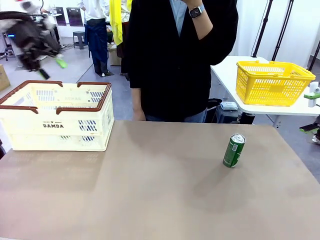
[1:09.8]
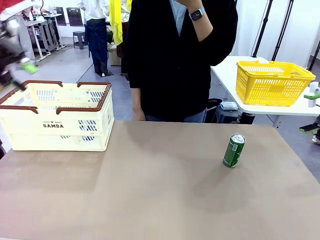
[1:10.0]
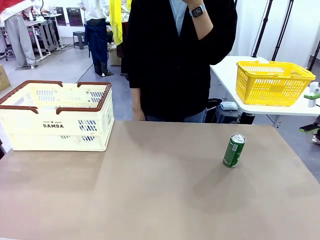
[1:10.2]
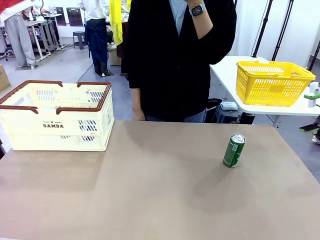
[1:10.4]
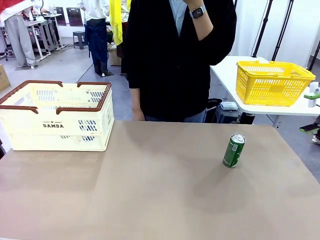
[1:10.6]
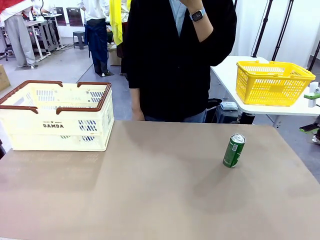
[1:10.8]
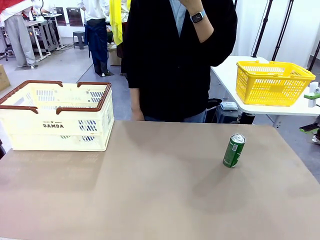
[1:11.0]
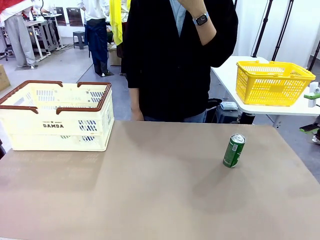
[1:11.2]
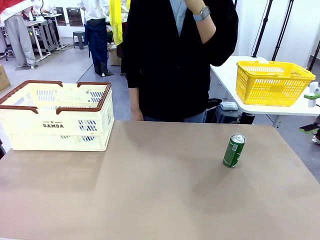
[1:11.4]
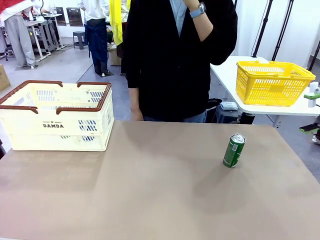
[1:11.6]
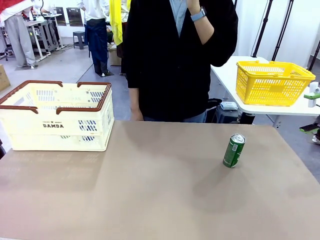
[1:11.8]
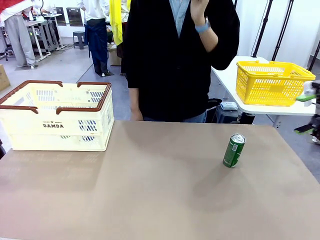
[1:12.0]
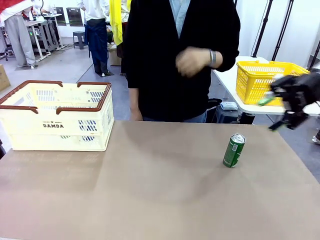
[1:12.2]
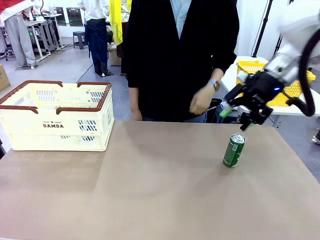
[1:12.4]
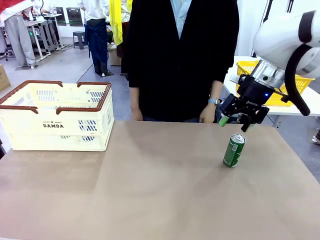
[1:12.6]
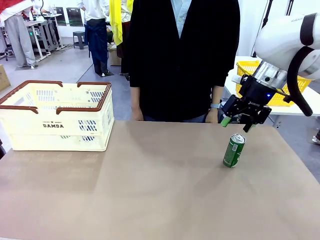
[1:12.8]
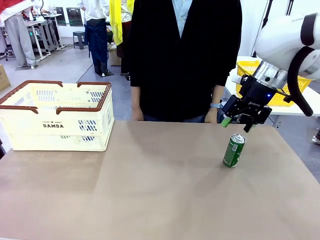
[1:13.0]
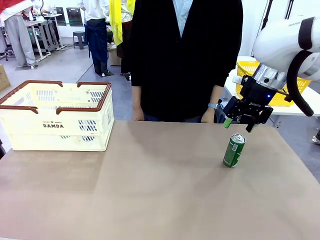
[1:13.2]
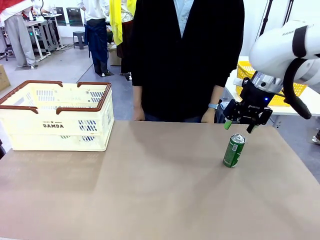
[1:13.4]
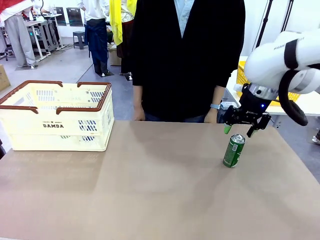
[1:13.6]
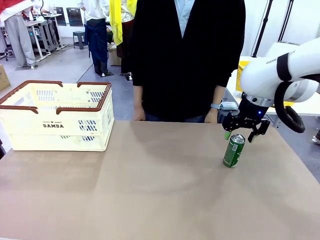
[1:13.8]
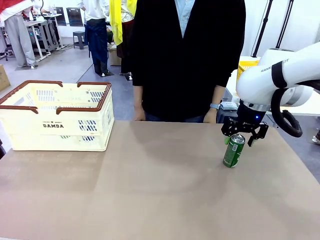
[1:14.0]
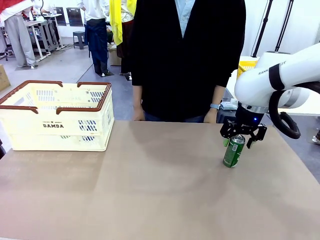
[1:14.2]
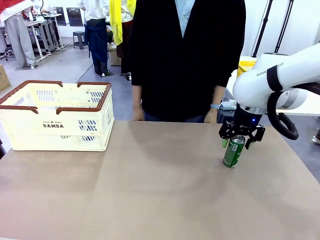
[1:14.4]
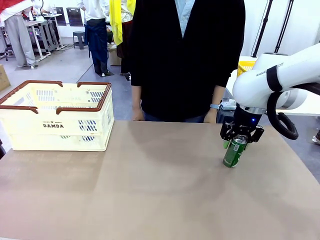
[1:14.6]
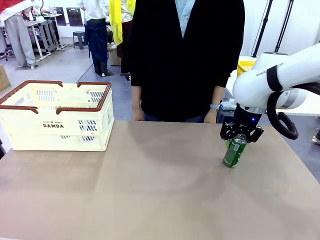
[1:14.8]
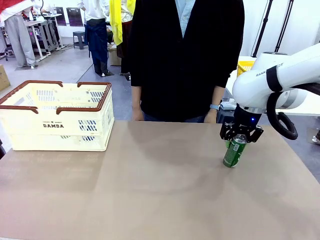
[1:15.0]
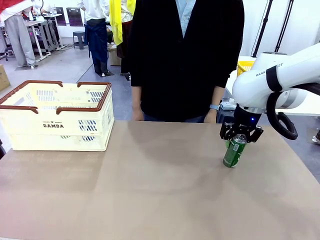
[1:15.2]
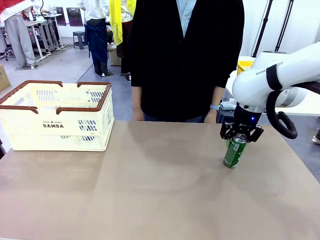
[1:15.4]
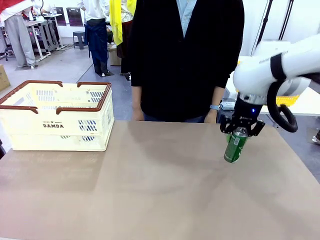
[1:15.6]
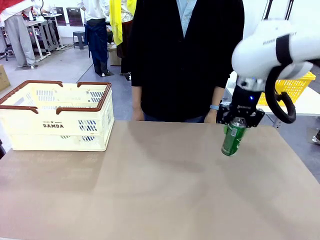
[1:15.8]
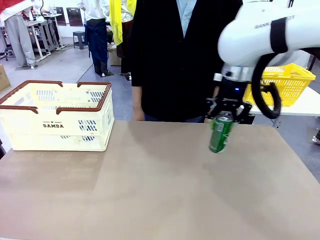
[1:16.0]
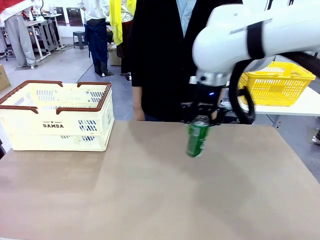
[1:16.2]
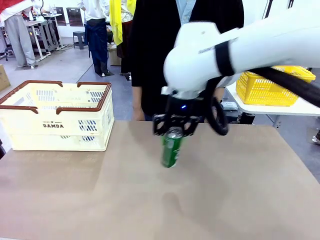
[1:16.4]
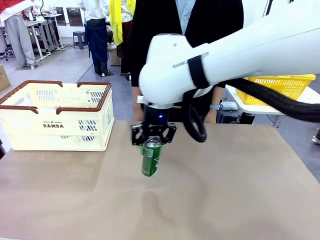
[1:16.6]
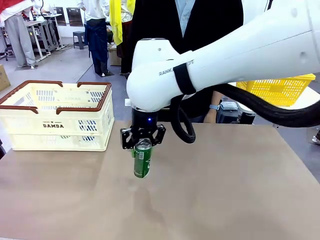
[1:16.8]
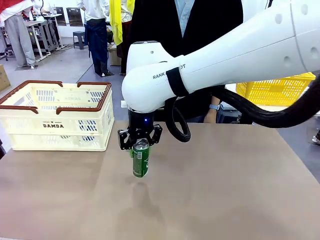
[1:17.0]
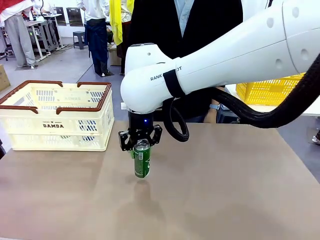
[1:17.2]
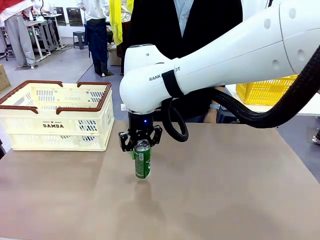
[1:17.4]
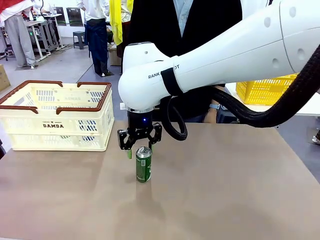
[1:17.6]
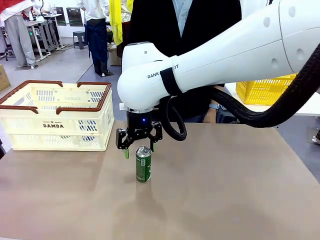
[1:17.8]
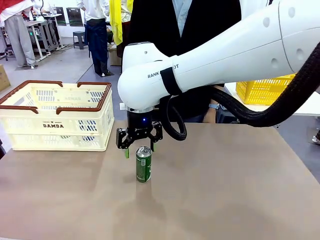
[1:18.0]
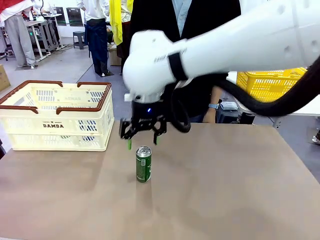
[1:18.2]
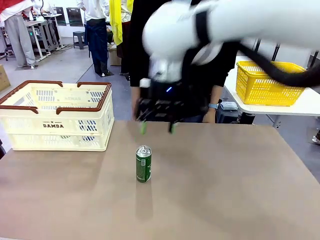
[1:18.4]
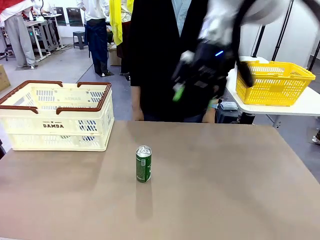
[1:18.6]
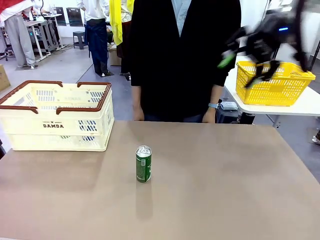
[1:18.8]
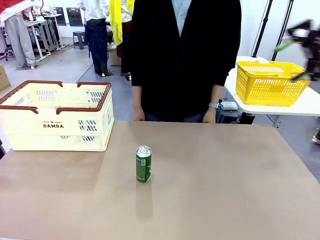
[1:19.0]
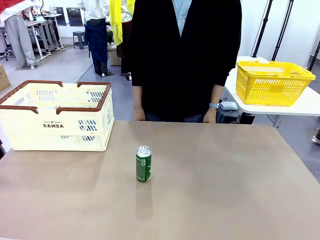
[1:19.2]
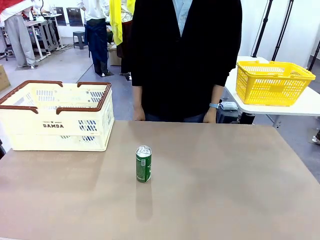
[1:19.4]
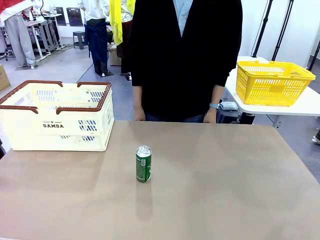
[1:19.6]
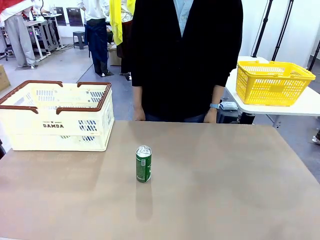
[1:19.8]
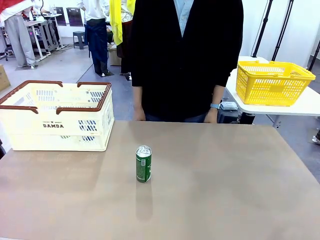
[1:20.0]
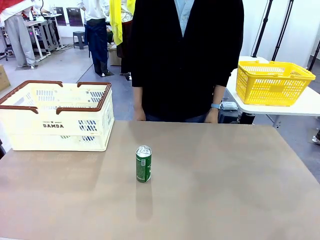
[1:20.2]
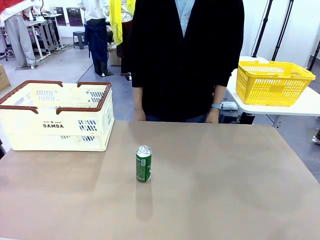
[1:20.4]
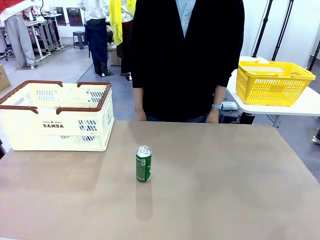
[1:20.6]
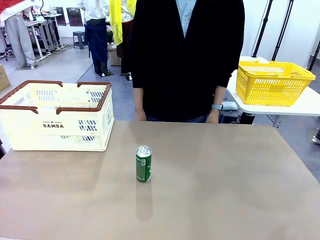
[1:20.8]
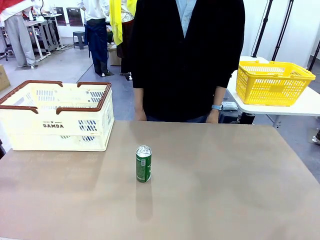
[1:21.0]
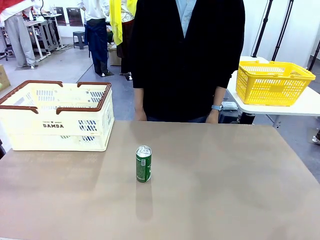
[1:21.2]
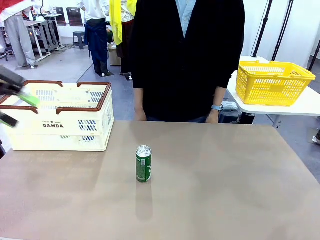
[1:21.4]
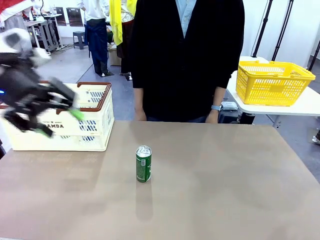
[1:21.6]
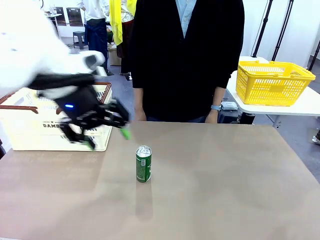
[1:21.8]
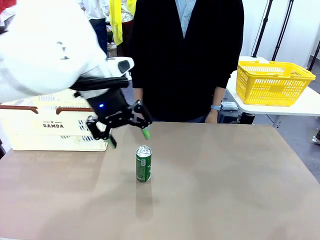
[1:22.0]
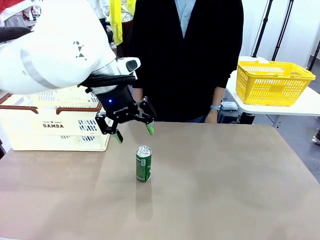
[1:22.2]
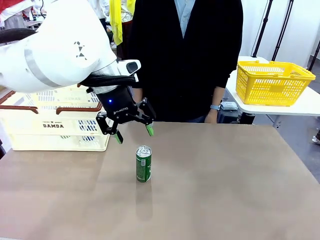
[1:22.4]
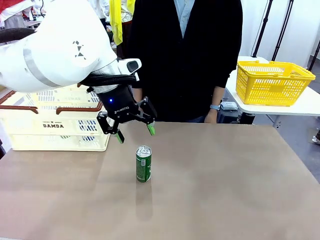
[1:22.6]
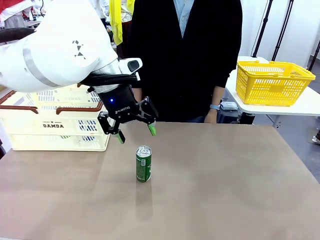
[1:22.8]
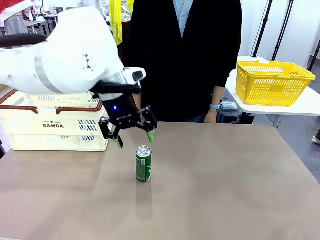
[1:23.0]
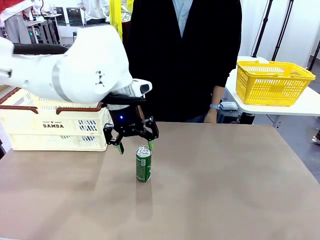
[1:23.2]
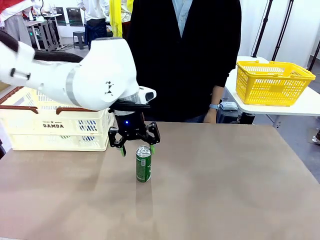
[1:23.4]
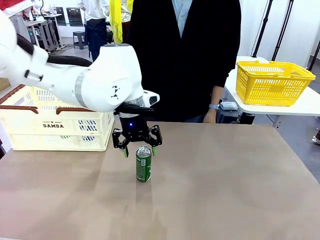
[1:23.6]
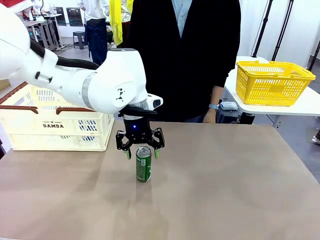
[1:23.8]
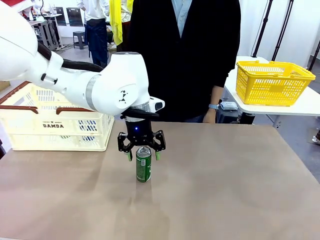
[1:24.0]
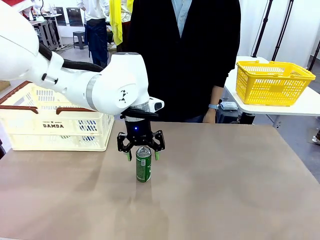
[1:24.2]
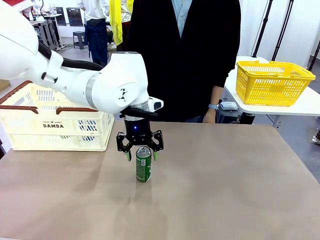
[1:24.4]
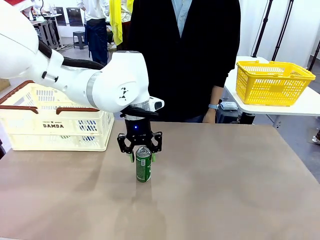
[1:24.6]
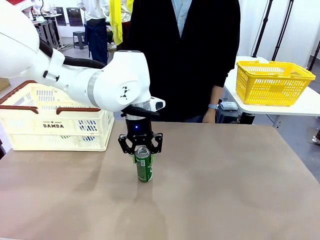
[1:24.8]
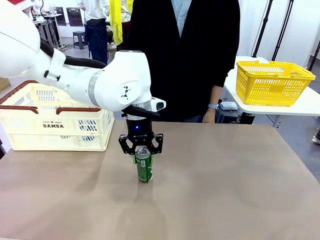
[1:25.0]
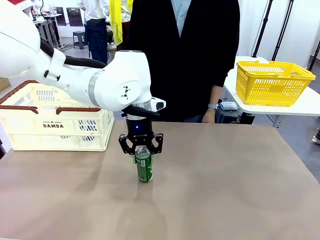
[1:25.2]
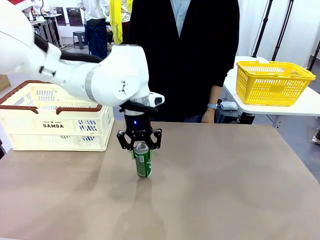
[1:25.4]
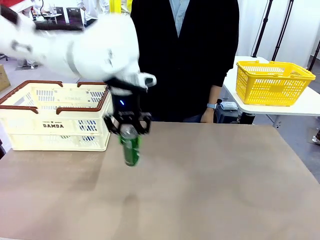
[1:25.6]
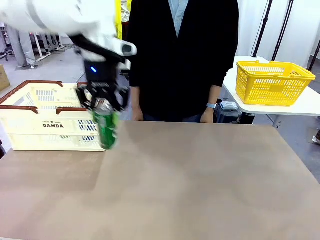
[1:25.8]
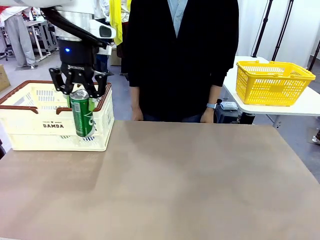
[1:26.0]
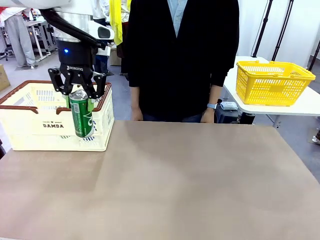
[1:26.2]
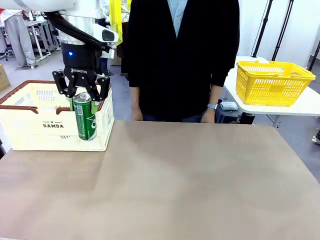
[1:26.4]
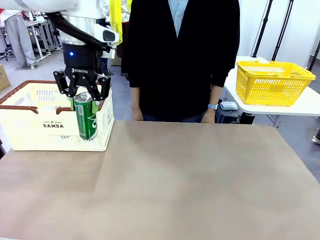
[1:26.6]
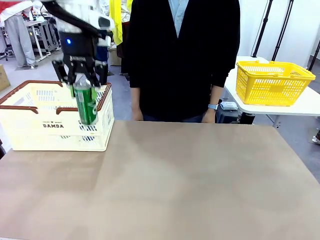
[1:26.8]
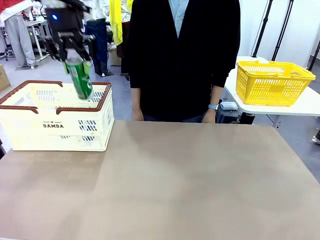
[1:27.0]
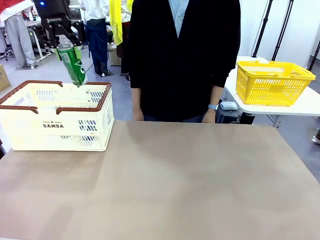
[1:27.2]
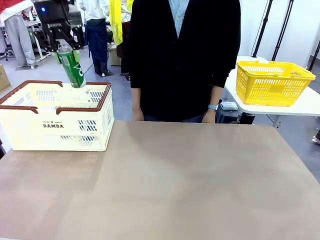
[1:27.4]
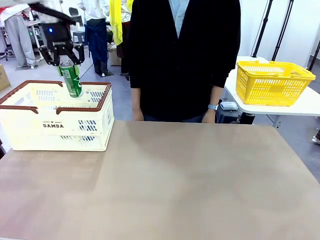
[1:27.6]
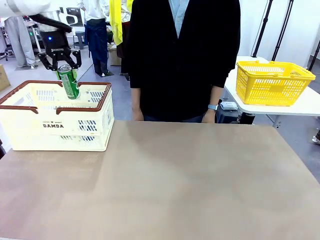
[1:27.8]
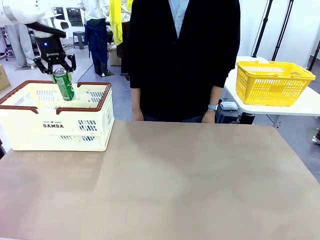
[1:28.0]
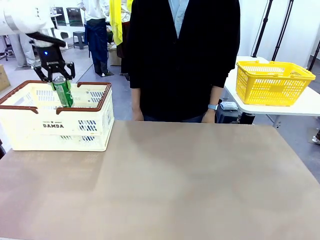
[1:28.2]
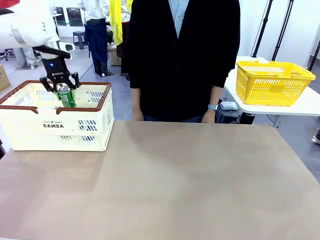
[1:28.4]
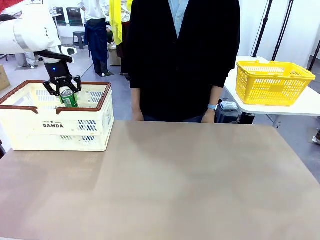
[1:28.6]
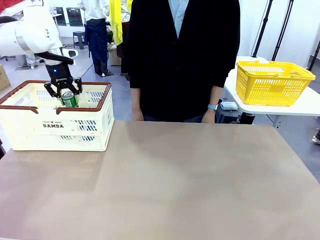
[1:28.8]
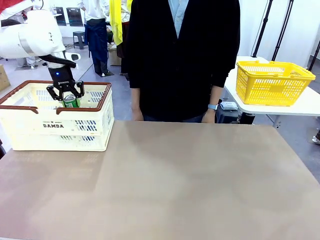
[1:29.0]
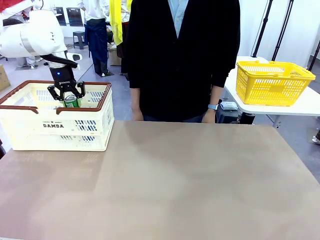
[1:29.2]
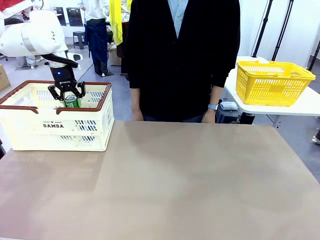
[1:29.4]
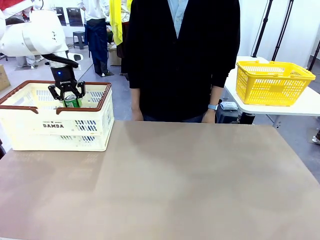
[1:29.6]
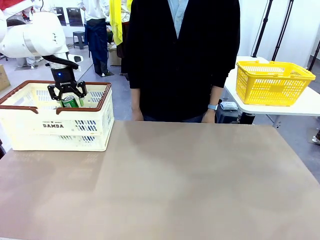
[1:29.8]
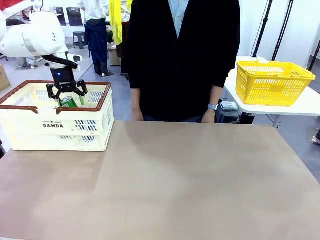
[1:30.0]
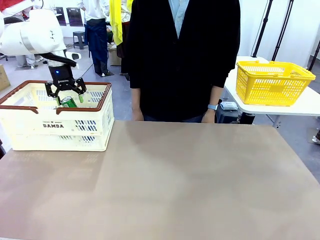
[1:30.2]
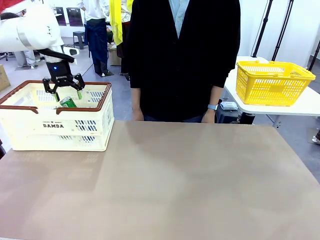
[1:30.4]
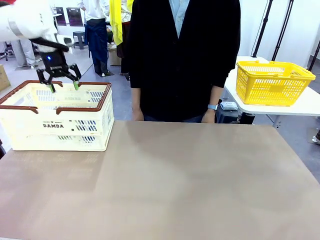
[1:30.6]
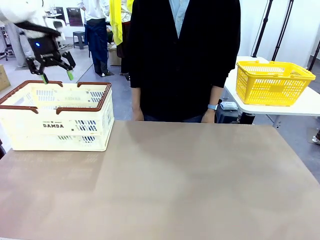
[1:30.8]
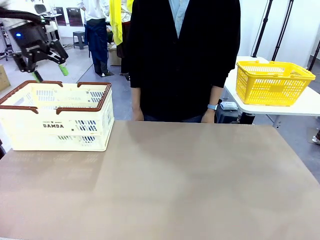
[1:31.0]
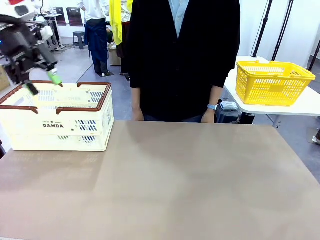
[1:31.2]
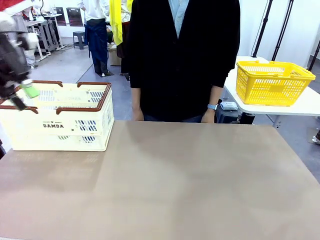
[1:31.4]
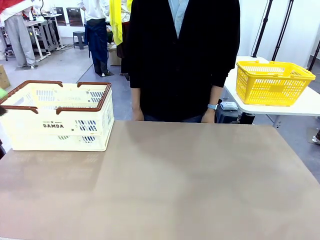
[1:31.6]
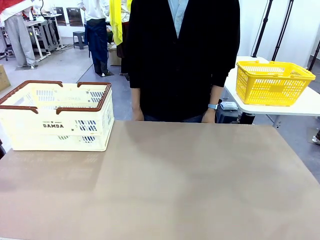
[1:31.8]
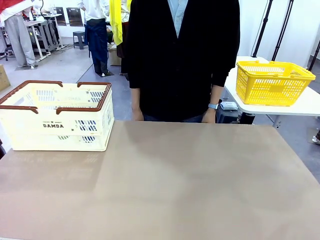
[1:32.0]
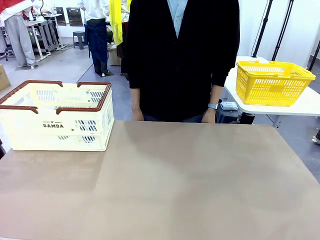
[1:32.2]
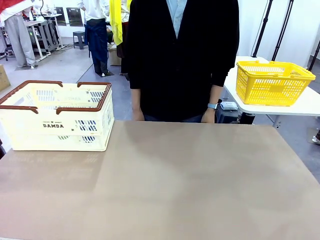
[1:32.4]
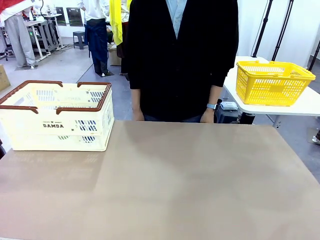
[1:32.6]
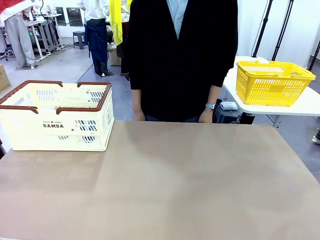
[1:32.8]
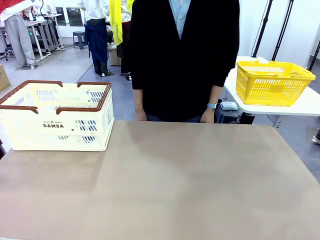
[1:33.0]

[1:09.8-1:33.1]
Task: Place the drinks into the Shopping basket.
Robot: Pick up one drink and place it into the Shopping basket.
